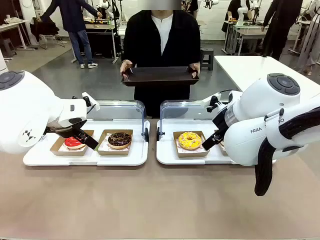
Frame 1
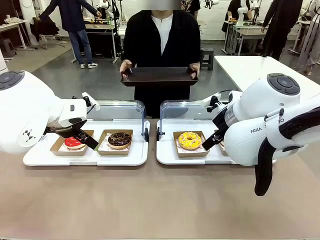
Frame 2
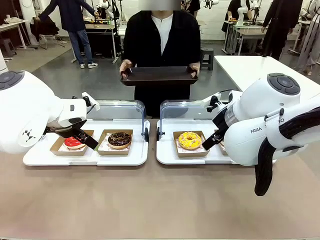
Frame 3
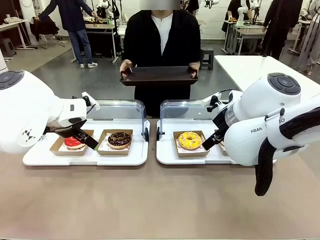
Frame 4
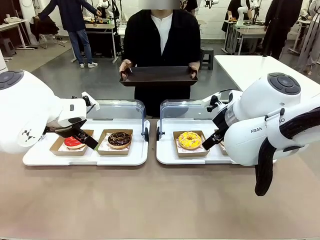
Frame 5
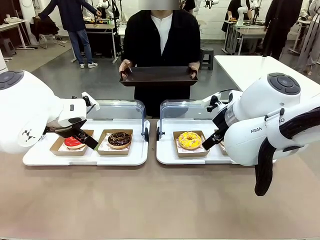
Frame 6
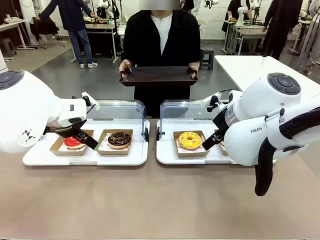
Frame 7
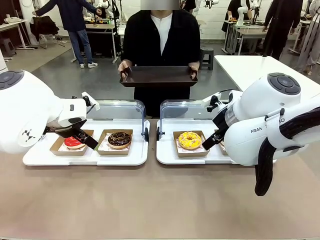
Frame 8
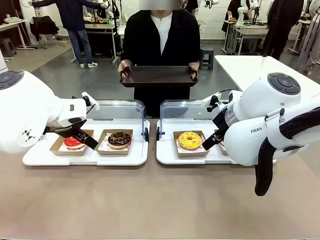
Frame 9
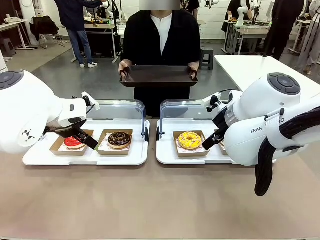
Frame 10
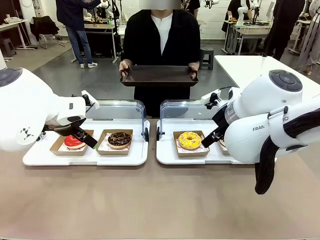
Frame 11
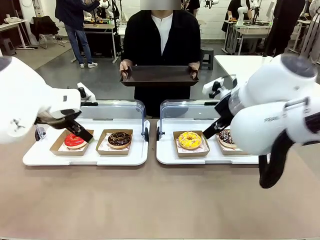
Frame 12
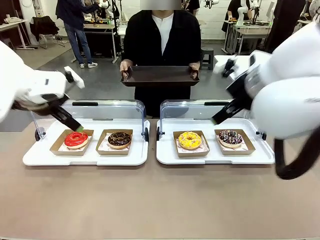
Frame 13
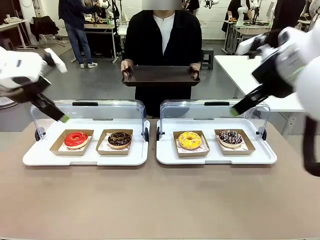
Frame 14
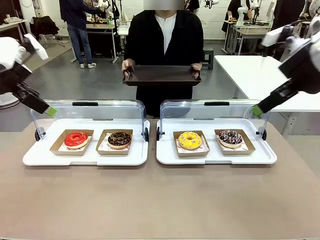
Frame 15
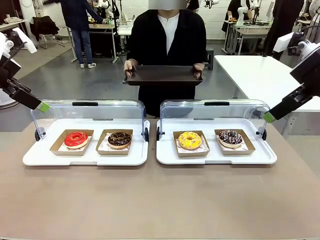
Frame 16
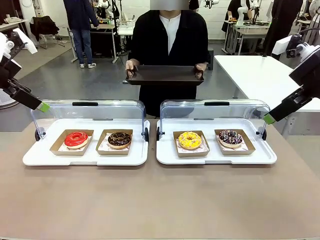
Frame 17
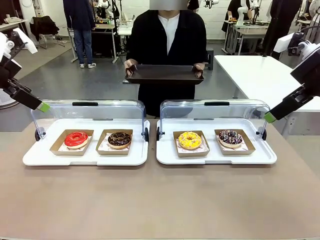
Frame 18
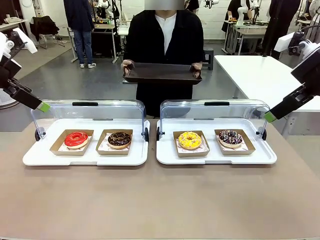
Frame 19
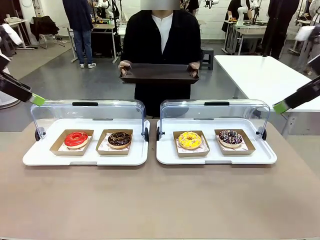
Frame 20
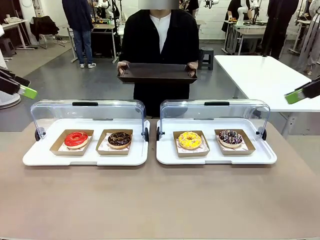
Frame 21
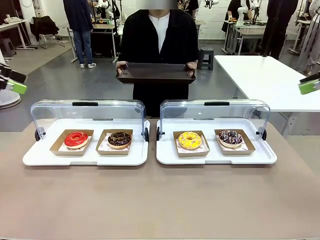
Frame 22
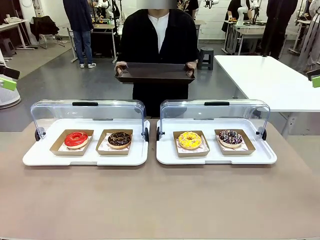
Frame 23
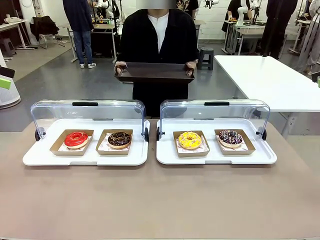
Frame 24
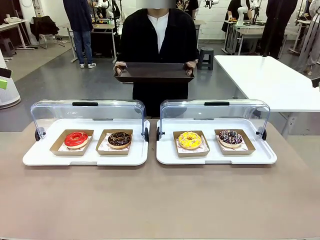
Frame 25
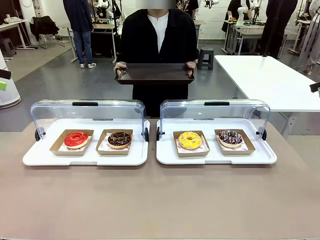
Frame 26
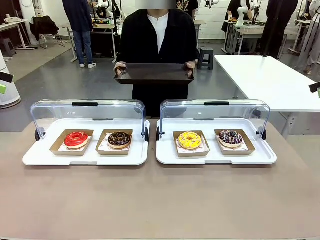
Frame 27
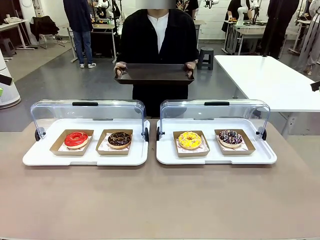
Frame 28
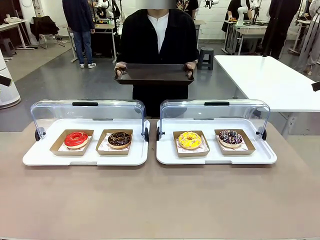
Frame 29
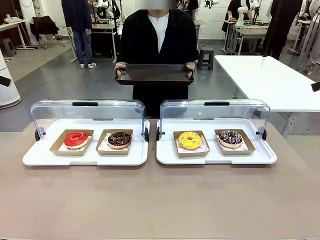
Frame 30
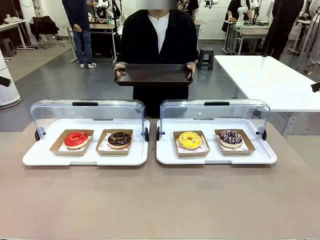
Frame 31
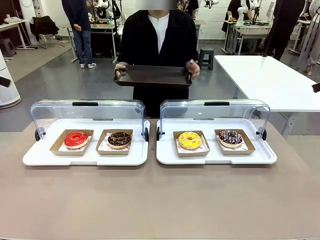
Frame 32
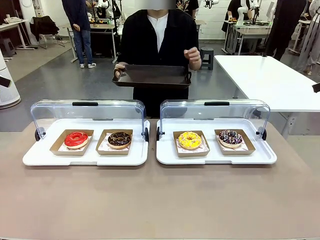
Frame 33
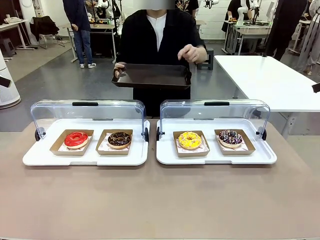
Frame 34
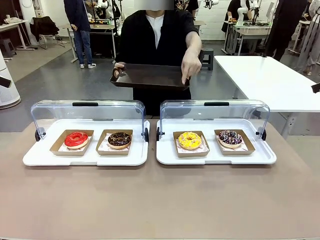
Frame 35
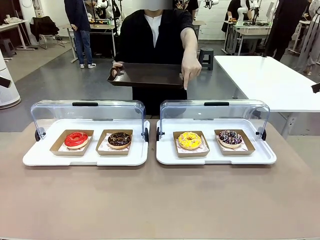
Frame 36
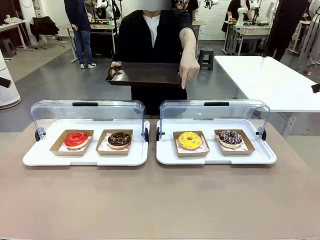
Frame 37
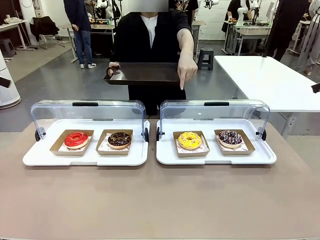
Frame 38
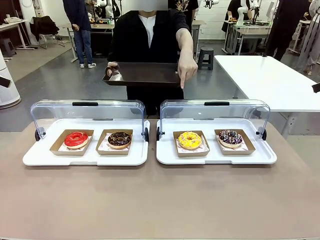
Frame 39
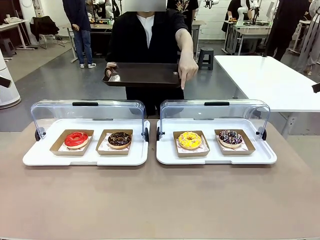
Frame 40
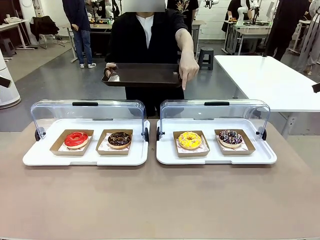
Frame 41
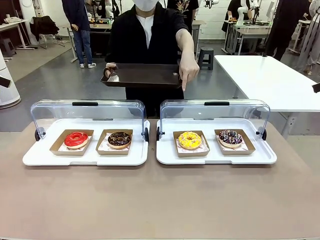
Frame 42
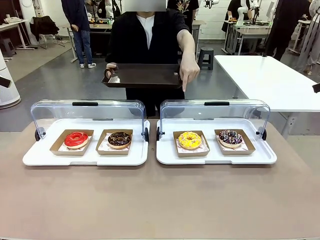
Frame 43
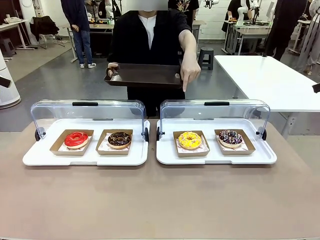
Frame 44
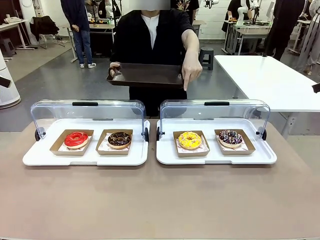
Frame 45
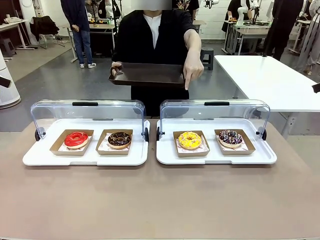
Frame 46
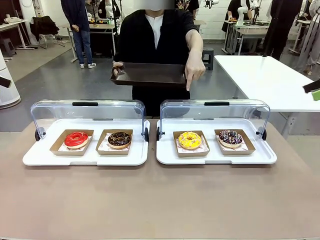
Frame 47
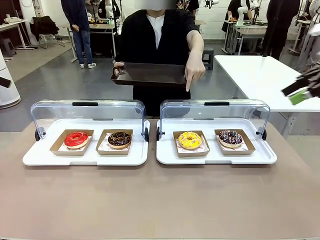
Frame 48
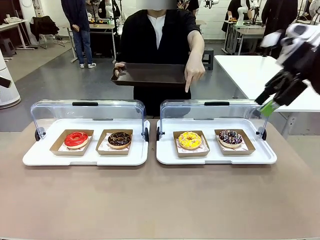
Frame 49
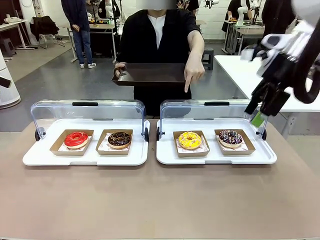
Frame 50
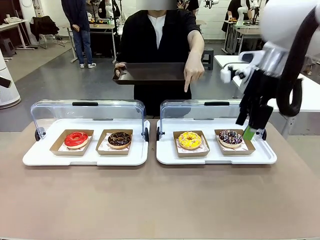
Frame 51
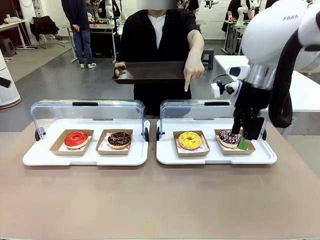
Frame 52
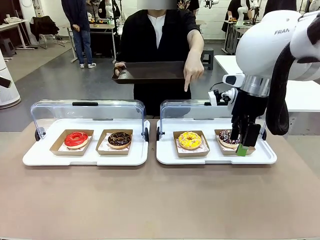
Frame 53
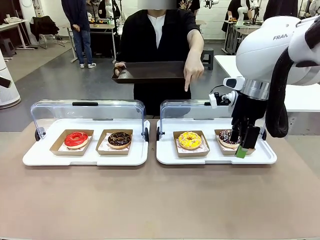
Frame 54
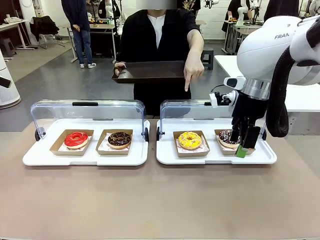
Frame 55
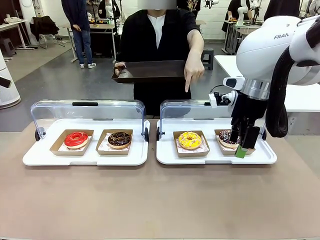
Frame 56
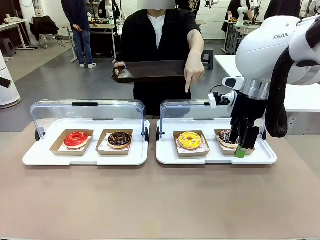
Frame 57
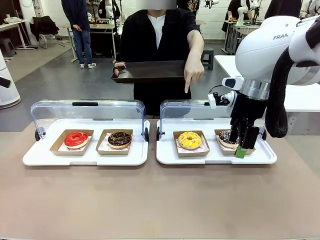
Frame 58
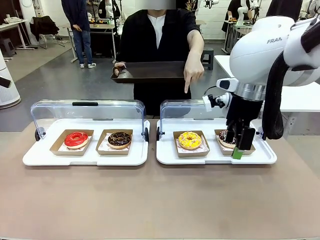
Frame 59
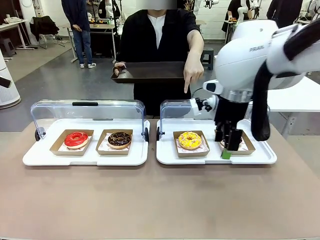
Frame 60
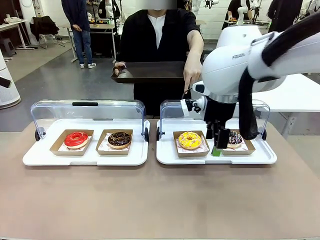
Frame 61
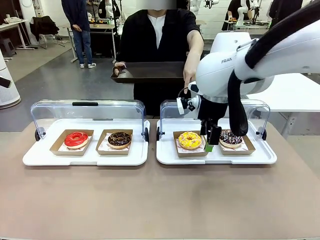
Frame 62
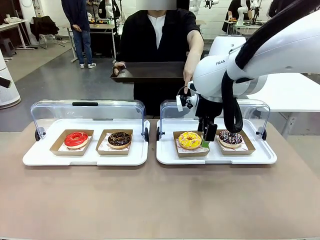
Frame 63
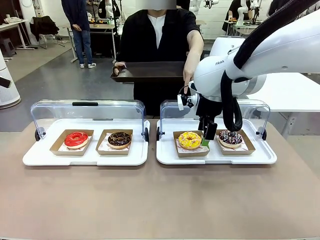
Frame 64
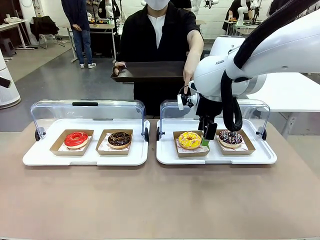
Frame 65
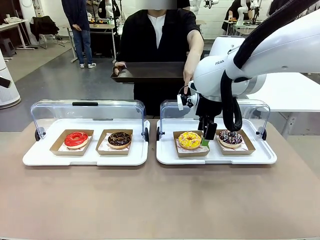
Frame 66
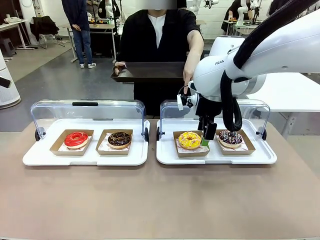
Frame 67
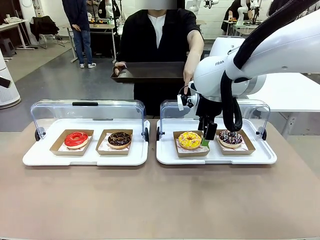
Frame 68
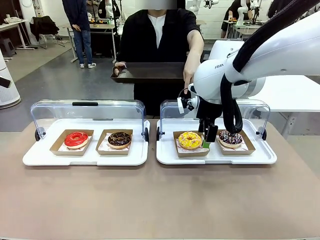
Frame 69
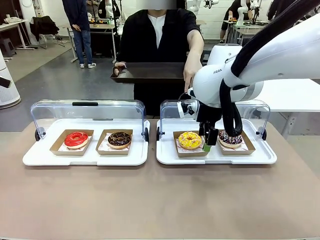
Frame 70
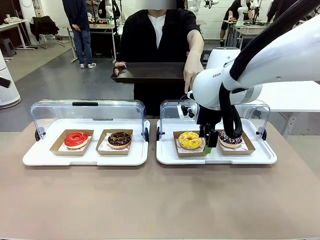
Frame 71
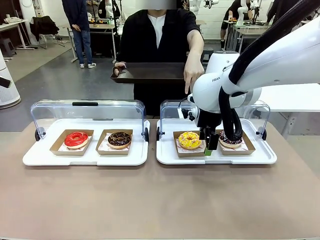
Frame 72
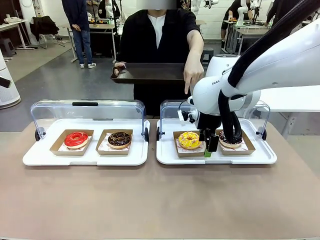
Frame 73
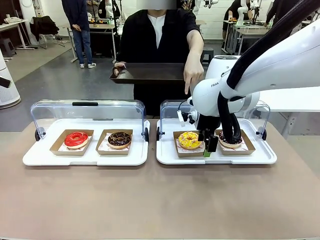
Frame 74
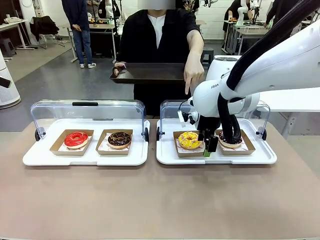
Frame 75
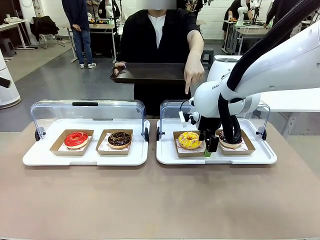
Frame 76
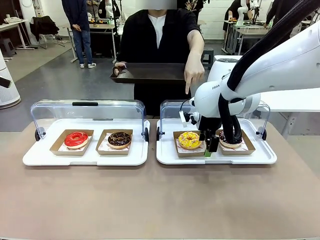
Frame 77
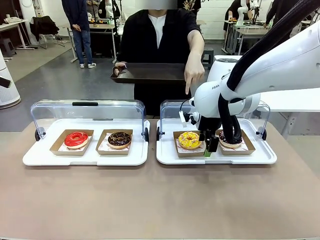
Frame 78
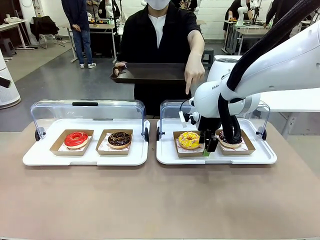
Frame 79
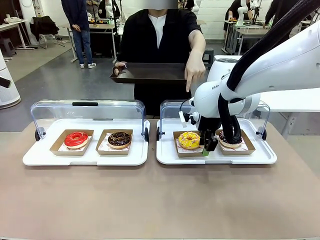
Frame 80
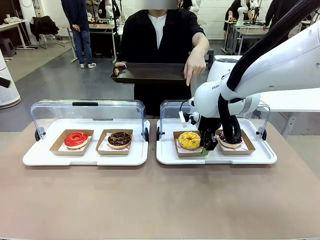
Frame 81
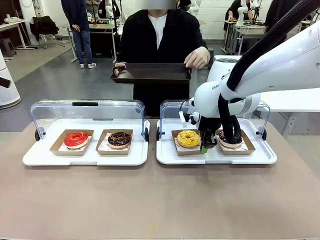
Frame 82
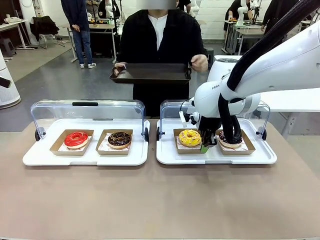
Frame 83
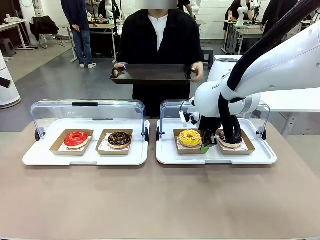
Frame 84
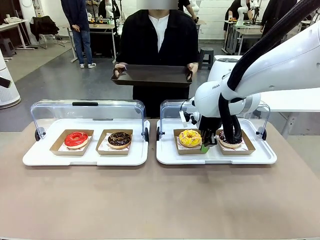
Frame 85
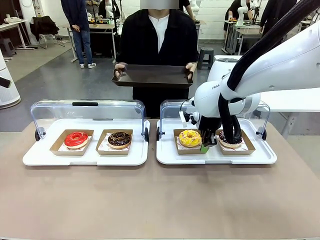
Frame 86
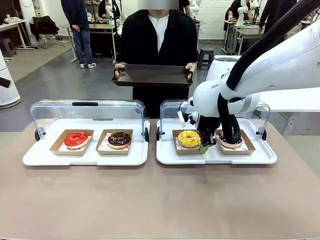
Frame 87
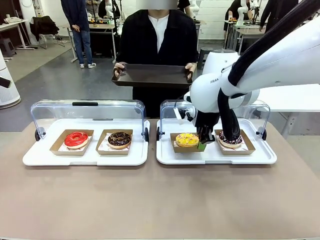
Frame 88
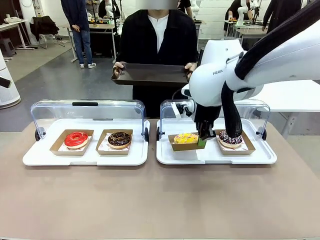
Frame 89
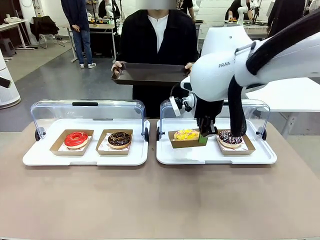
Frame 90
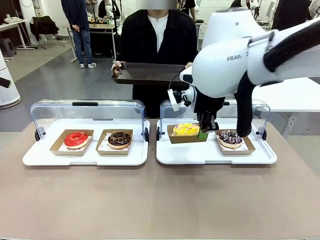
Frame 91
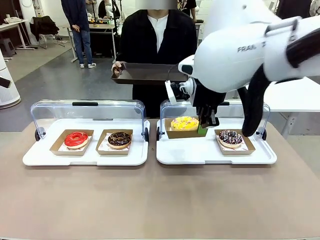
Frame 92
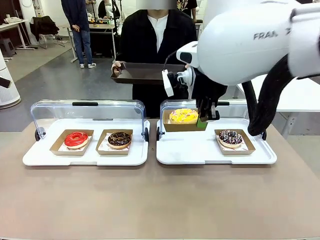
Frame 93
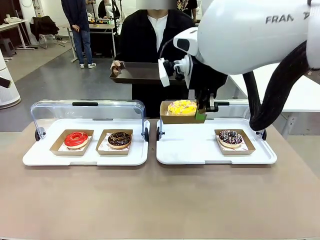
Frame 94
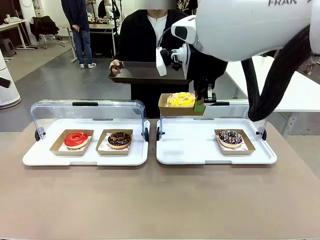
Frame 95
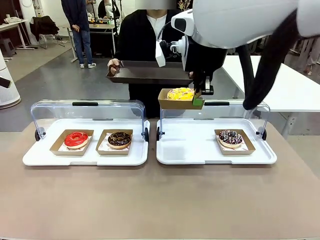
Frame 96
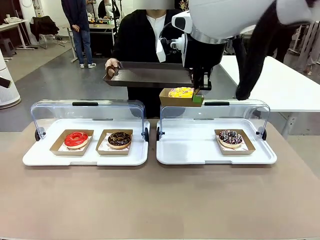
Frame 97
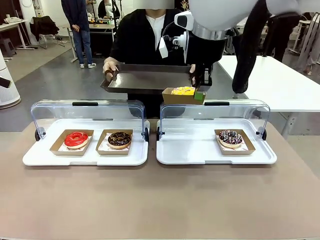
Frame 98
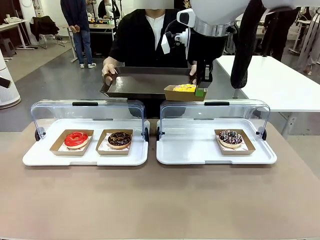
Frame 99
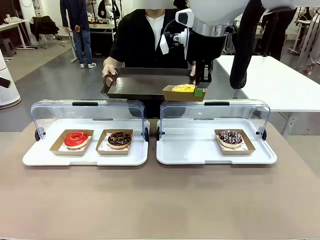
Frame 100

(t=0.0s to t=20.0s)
Task: Provide the desired donut to the person.
Robot: Pick up and lift the Paper togo box containing the Donut pointed at by the person.
Person: Point to one donut. Lift the tray onto the Roll-Top Bakery Case.
